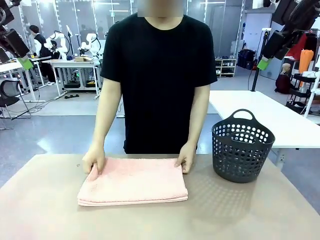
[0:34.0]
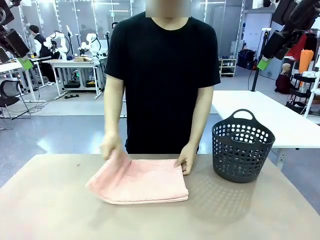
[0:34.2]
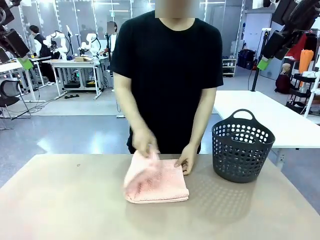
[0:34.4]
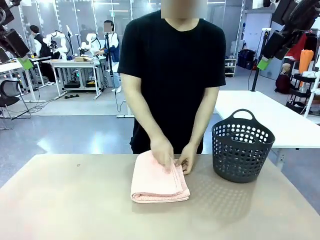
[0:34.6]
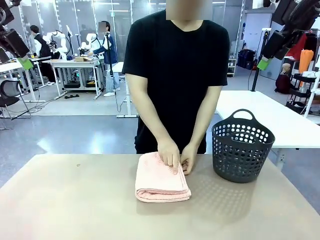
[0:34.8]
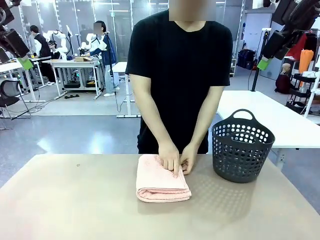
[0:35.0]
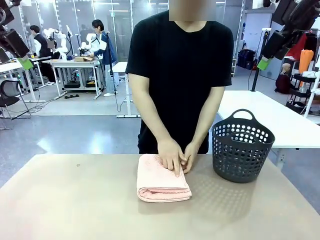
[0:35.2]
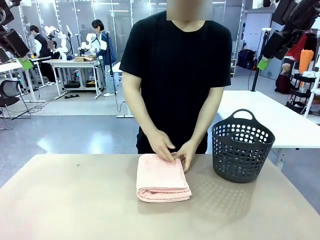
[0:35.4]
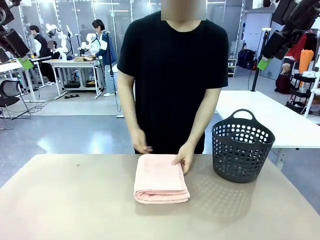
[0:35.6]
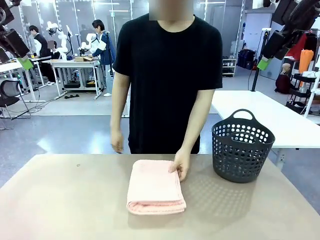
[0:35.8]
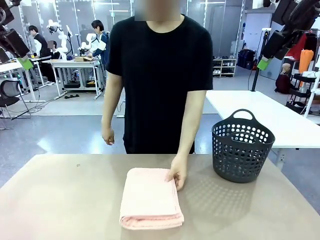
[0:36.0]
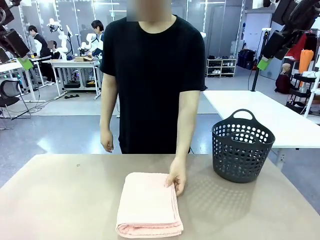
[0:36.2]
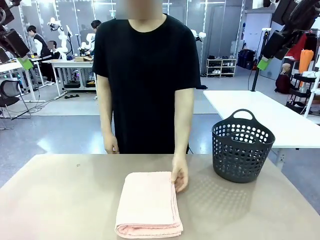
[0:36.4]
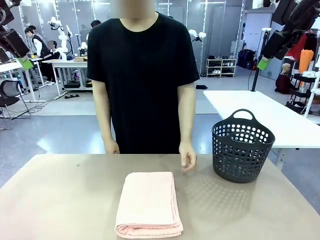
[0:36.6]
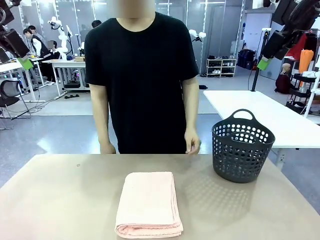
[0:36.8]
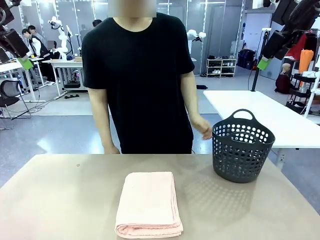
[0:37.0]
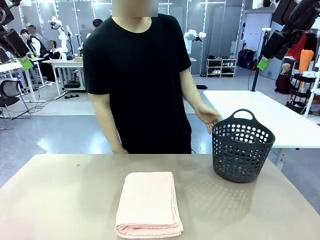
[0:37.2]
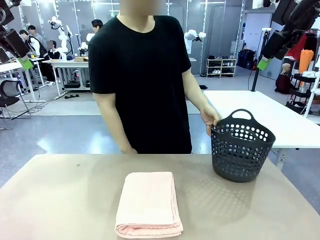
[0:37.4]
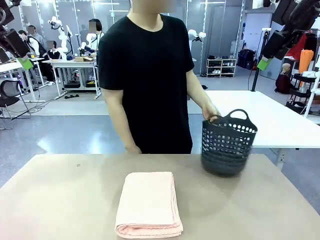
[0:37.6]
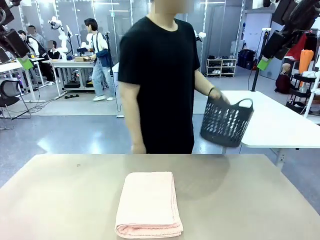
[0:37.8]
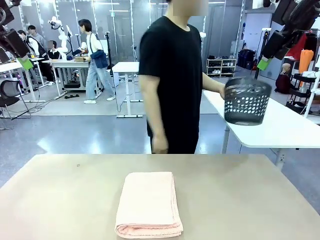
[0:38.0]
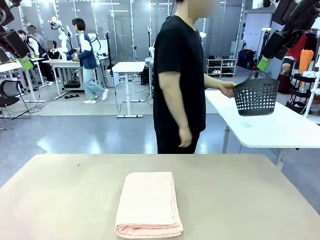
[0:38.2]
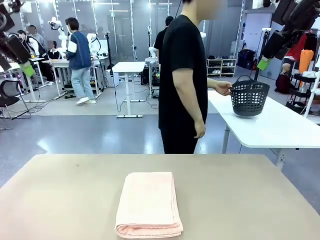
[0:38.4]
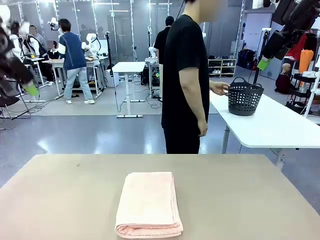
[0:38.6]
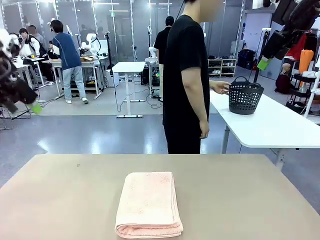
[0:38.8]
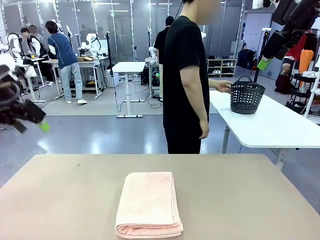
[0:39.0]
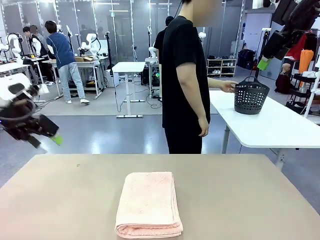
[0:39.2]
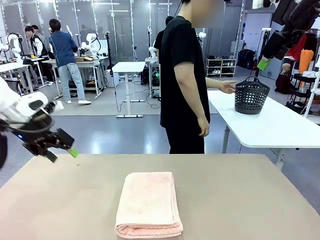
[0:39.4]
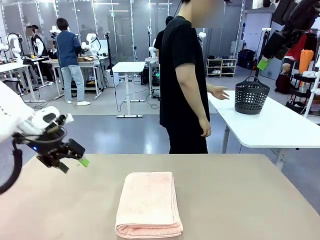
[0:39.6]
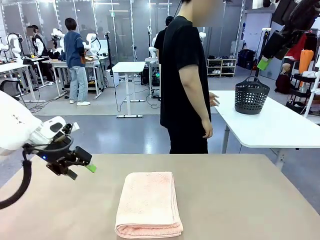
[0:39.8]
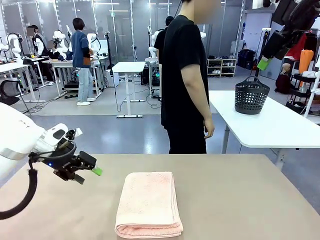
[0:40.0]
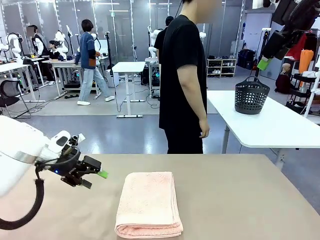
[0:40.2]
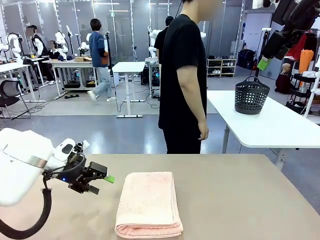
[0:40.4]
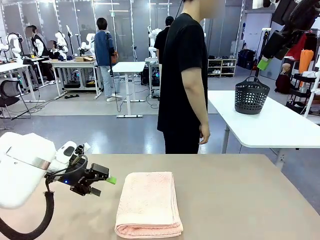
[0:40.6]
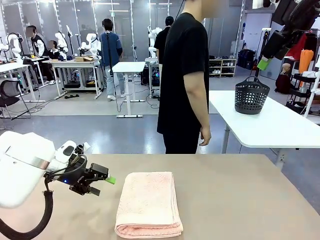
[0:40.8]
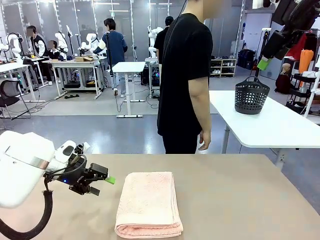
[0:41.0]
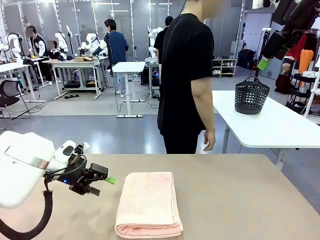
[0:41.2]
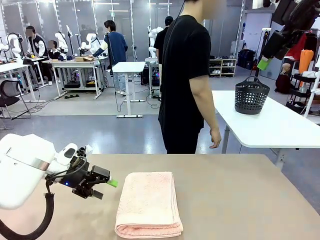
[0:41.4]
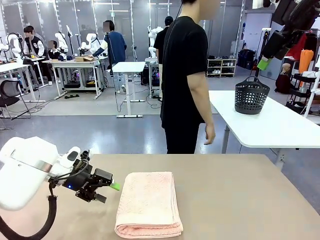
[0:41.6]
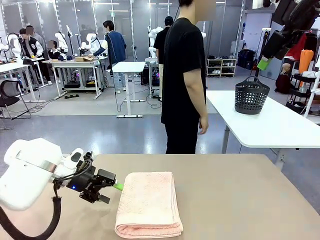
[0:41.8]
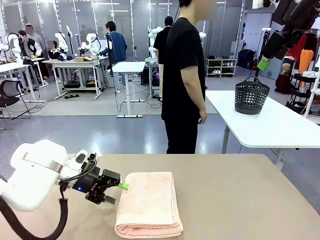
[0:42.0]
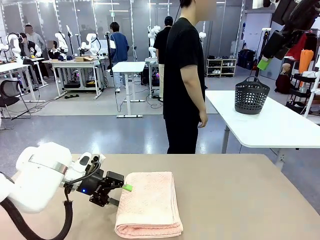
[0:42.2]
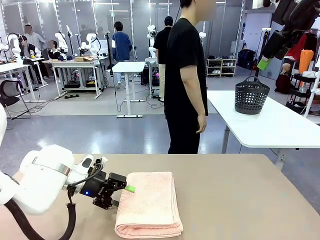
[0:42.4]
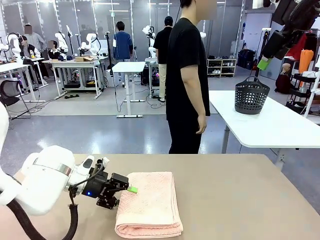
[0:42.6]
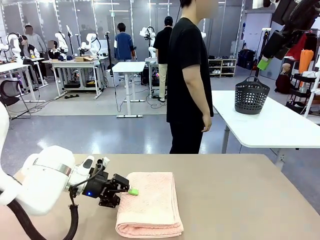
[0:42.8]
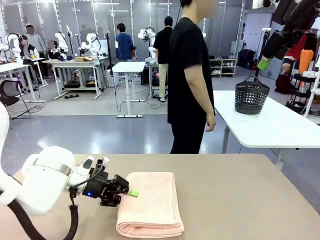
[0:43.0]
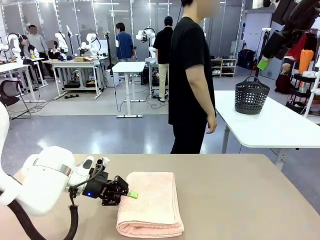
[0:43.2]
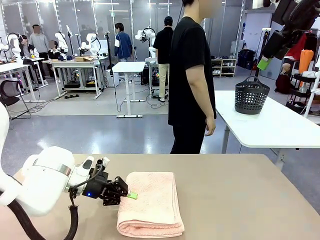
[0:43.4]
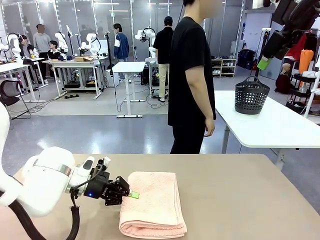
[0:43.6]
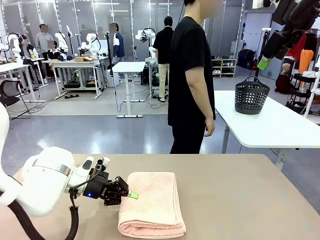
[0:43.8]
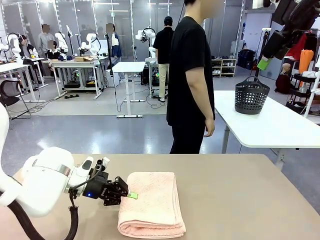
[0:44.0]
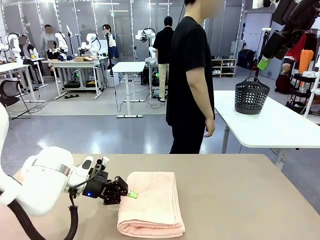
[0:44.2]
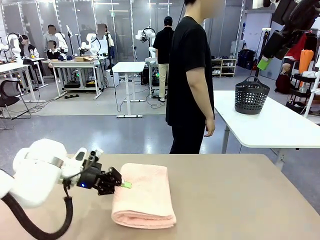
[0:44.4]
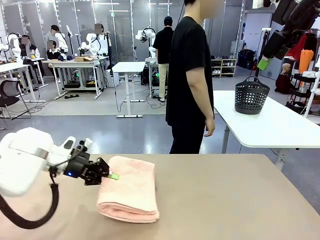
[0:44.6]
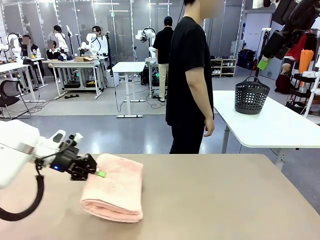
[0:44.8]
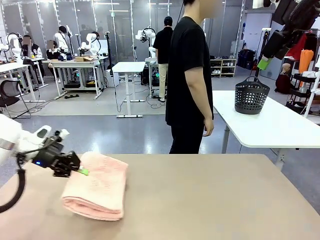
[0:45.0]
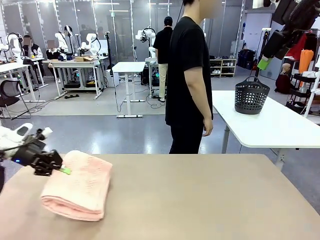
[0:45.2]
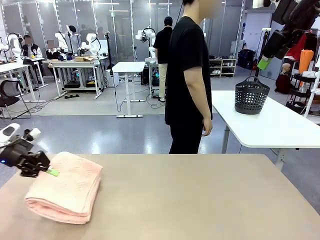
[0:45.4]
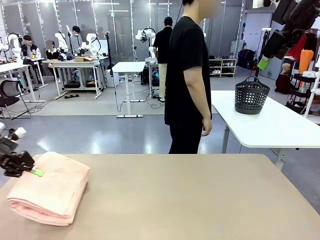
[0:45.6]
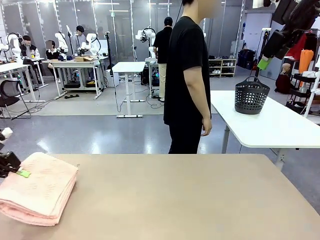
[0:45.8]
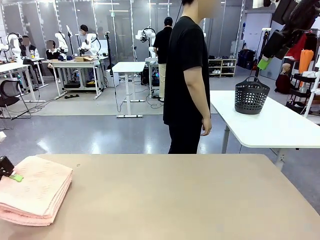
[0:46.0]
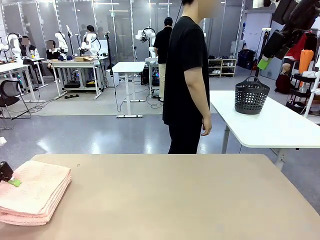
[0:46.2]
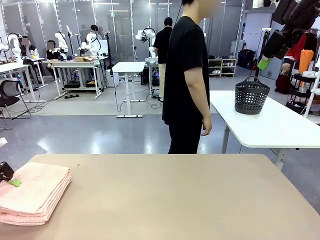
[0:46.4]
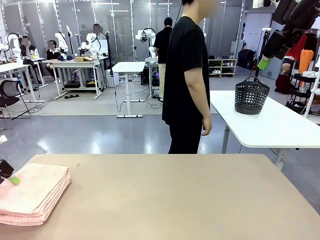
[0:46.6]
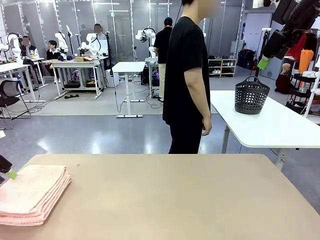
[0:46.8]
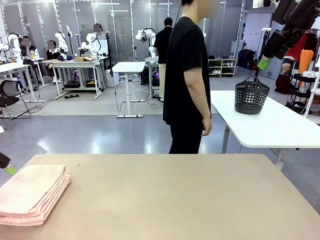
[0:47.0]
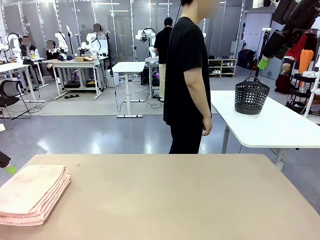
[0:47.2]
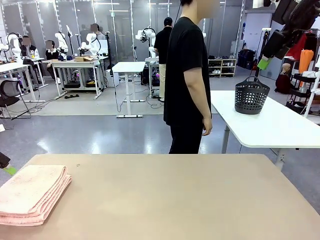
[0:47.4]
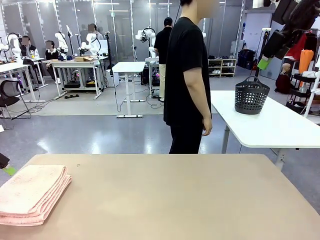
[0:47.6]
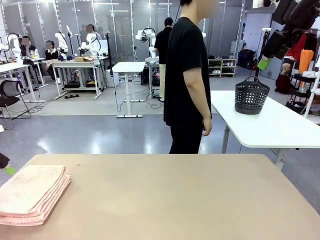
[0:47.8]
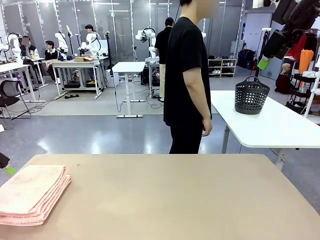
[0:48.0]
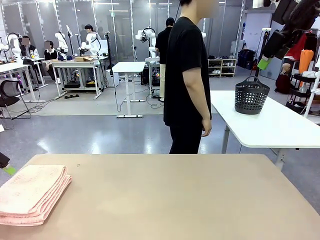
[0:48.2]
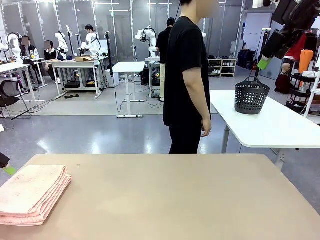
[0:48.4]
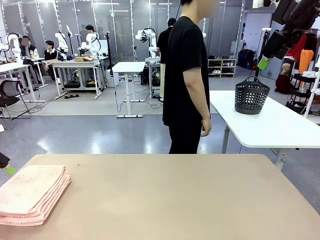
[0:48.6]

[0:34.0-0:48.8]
Task: Fold the towel.
Robot: Pick up the 100 cm Hotel Towel and place it on the left side of the table.
Person: Pick up the laundry basket and place it at the center of the human table.
